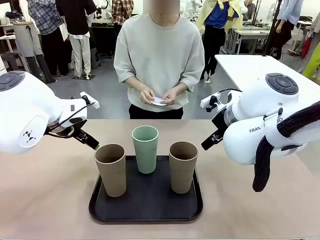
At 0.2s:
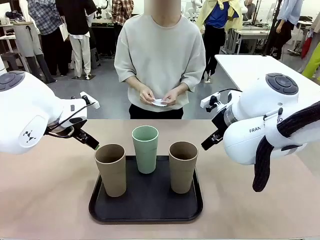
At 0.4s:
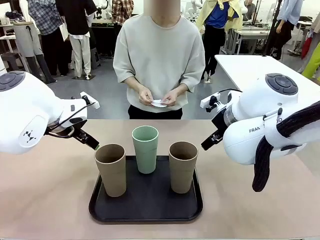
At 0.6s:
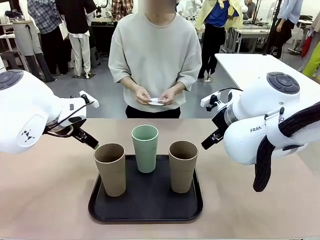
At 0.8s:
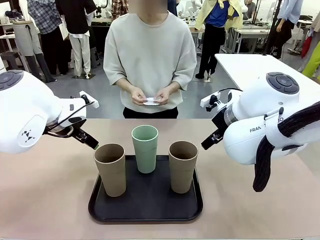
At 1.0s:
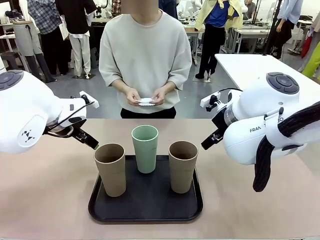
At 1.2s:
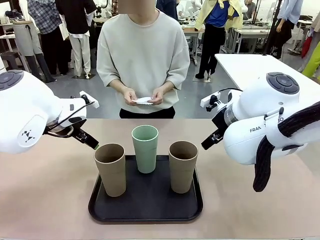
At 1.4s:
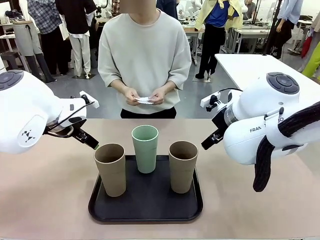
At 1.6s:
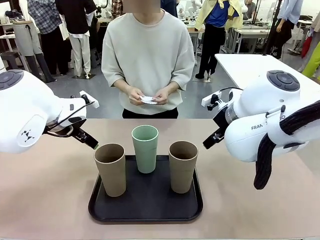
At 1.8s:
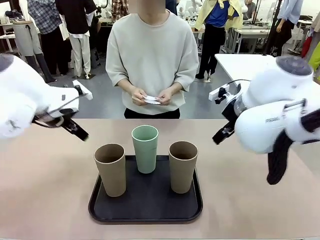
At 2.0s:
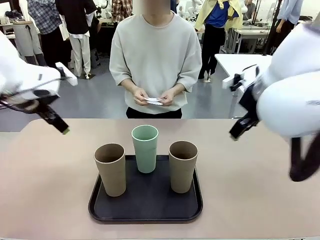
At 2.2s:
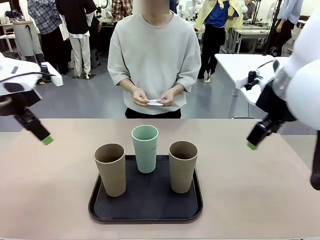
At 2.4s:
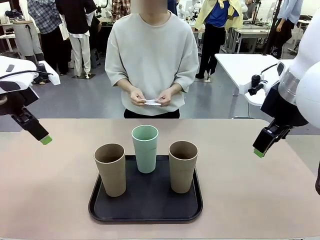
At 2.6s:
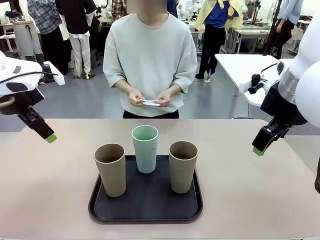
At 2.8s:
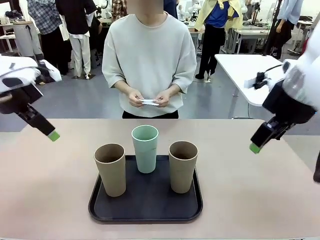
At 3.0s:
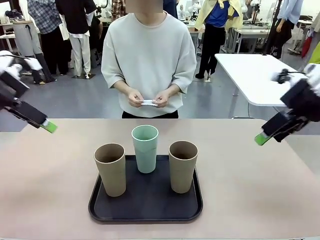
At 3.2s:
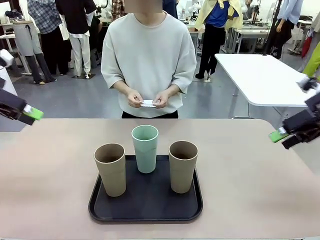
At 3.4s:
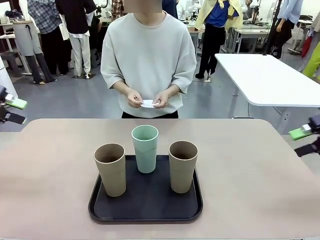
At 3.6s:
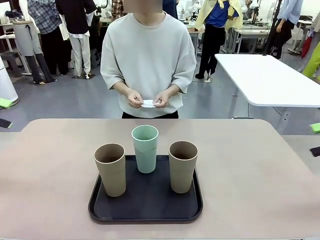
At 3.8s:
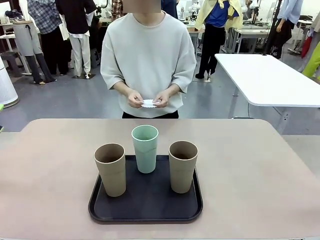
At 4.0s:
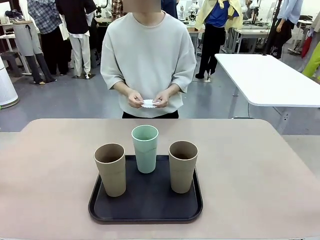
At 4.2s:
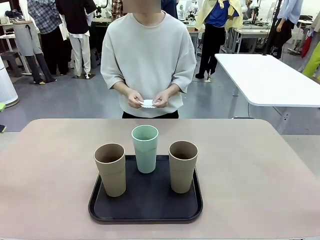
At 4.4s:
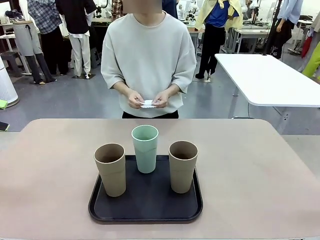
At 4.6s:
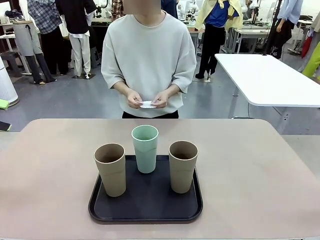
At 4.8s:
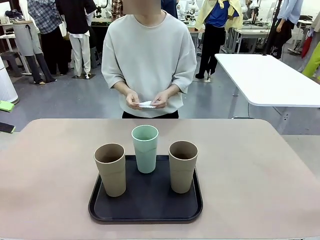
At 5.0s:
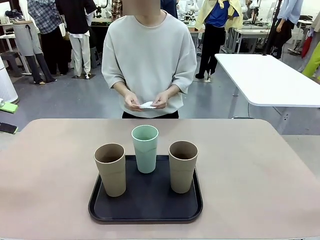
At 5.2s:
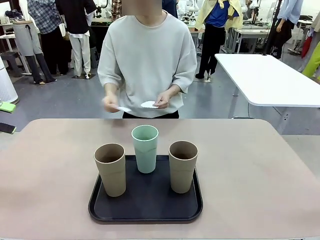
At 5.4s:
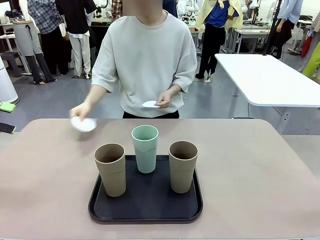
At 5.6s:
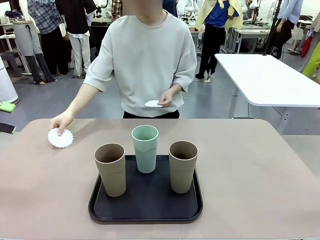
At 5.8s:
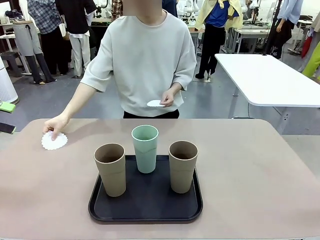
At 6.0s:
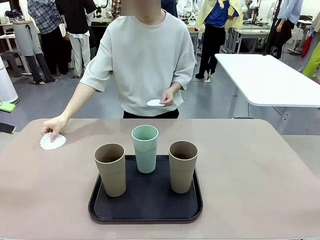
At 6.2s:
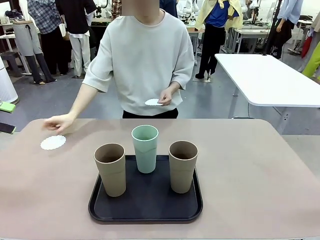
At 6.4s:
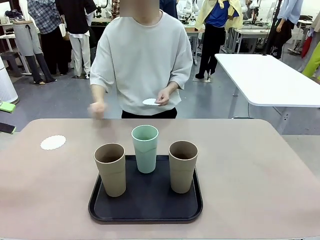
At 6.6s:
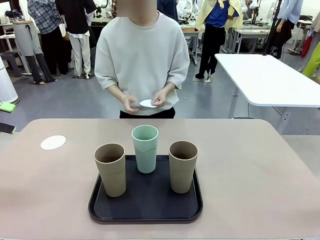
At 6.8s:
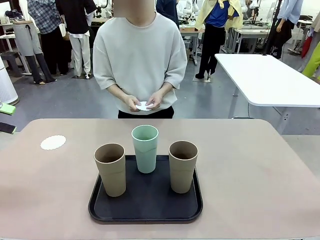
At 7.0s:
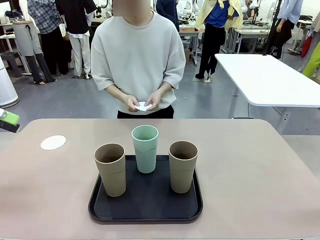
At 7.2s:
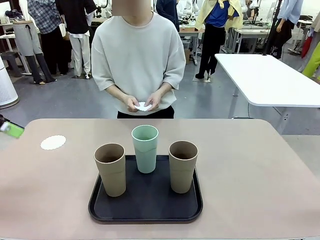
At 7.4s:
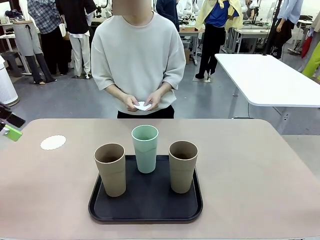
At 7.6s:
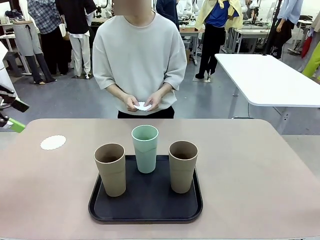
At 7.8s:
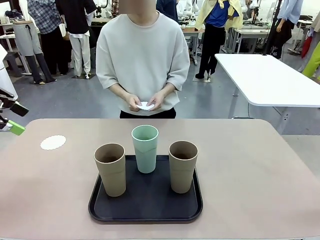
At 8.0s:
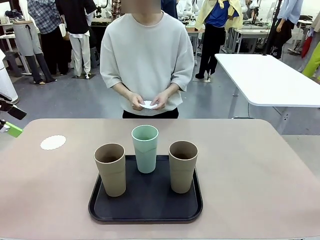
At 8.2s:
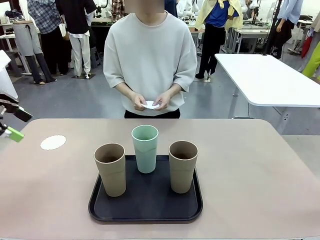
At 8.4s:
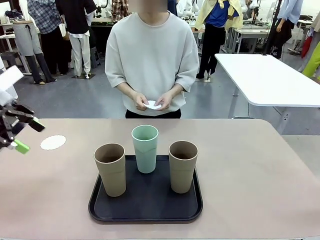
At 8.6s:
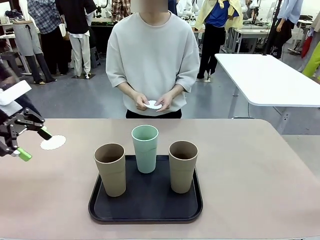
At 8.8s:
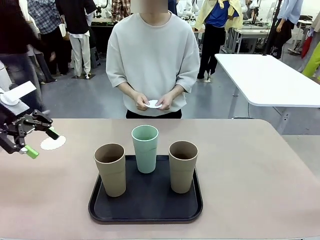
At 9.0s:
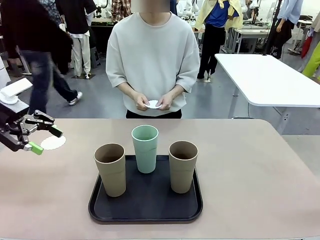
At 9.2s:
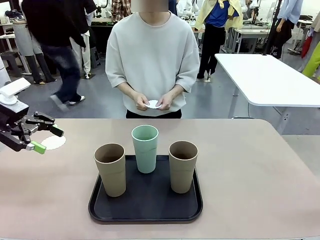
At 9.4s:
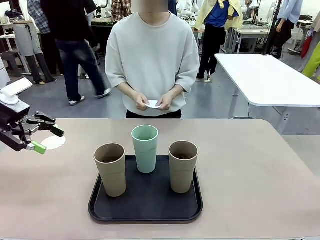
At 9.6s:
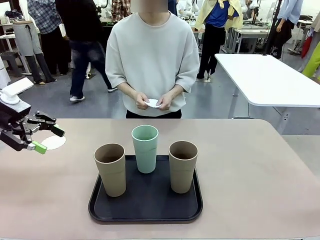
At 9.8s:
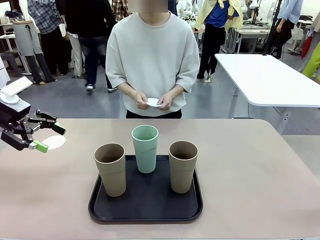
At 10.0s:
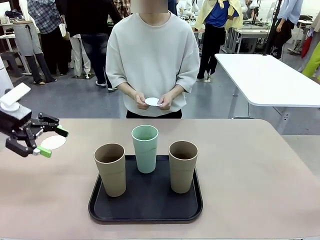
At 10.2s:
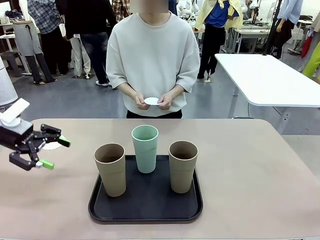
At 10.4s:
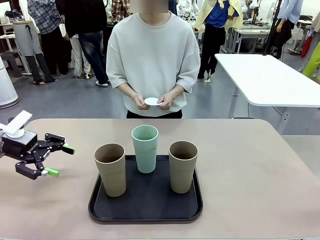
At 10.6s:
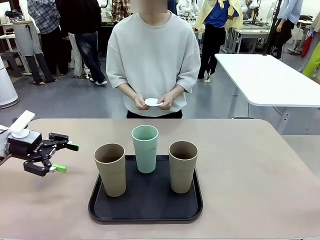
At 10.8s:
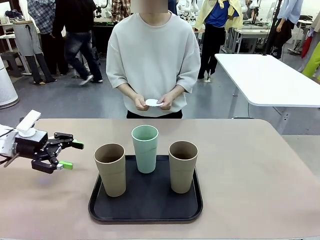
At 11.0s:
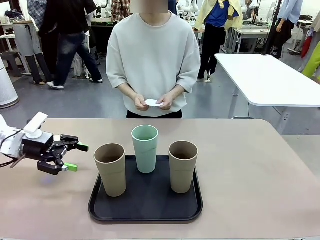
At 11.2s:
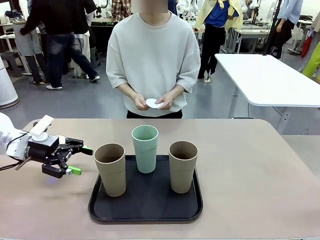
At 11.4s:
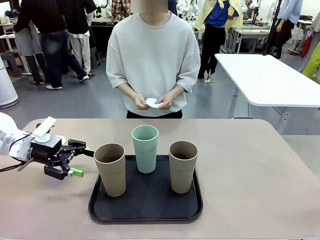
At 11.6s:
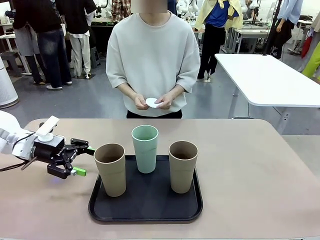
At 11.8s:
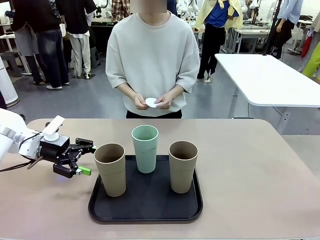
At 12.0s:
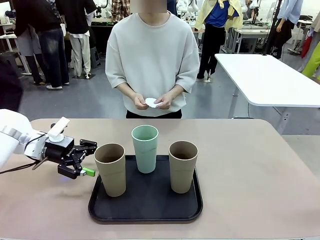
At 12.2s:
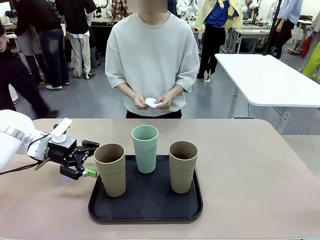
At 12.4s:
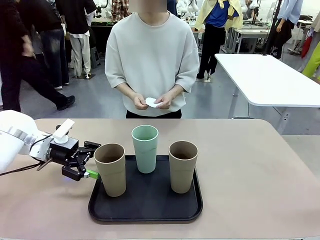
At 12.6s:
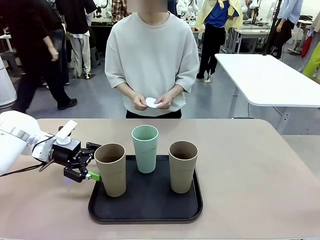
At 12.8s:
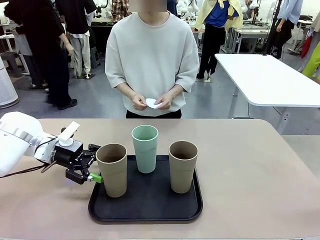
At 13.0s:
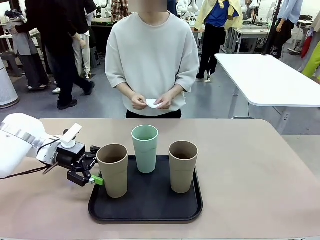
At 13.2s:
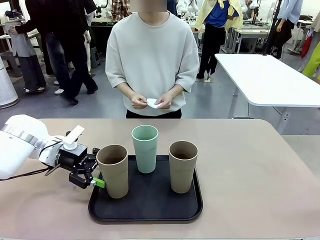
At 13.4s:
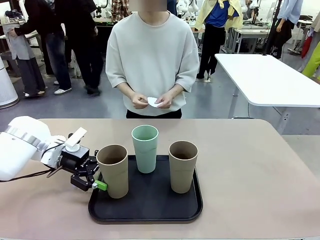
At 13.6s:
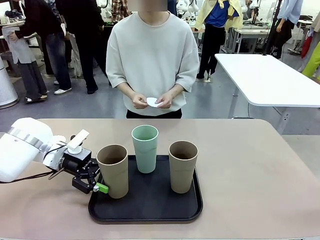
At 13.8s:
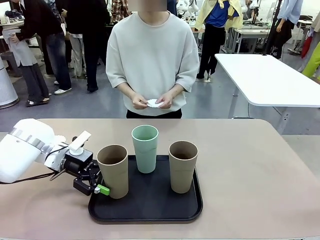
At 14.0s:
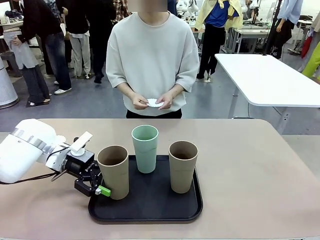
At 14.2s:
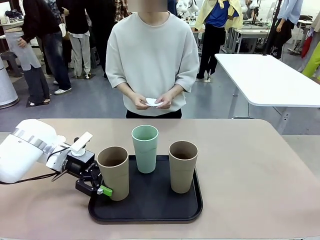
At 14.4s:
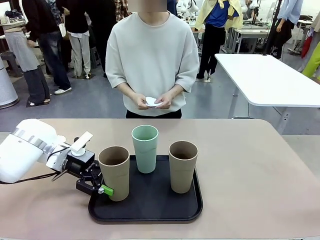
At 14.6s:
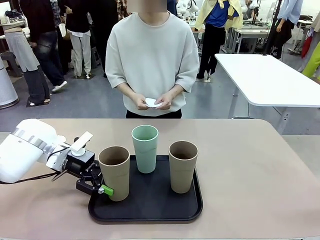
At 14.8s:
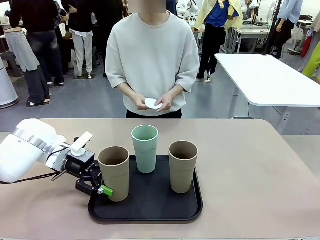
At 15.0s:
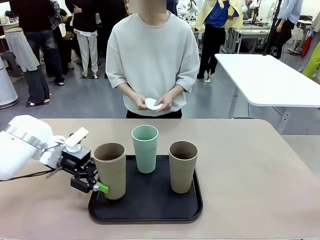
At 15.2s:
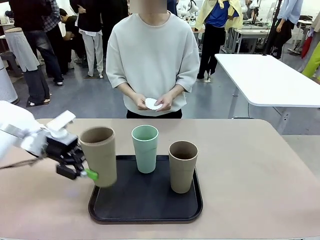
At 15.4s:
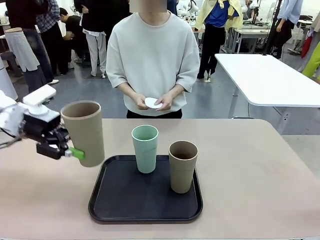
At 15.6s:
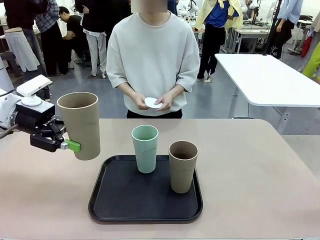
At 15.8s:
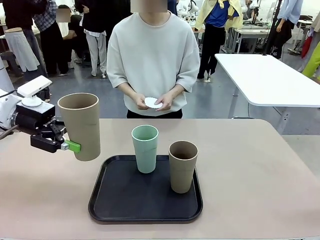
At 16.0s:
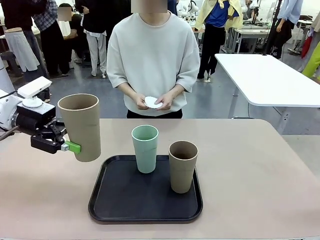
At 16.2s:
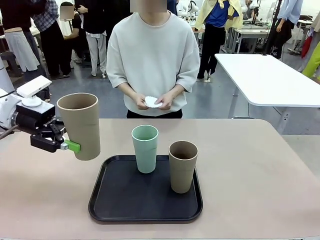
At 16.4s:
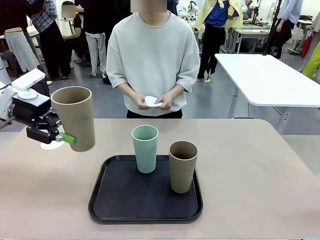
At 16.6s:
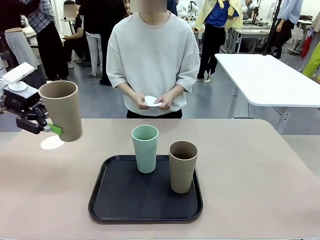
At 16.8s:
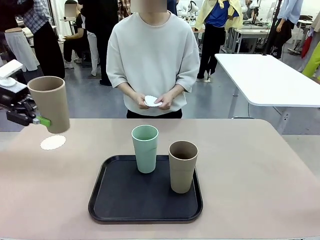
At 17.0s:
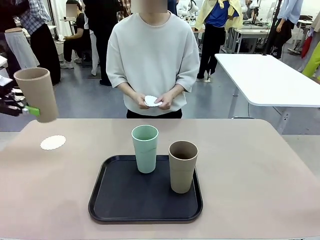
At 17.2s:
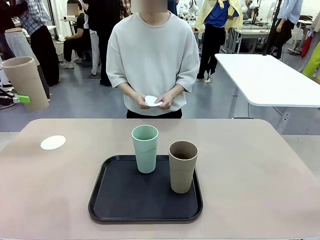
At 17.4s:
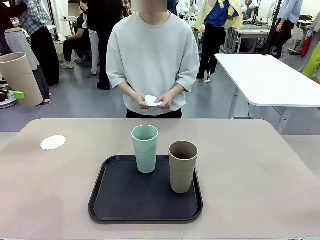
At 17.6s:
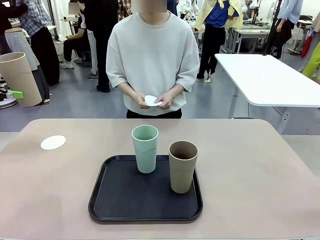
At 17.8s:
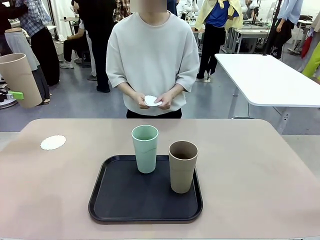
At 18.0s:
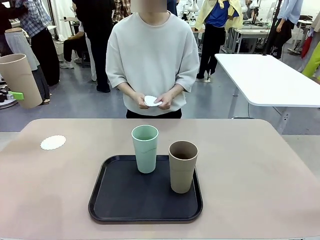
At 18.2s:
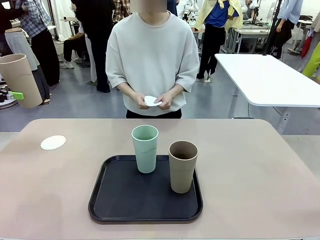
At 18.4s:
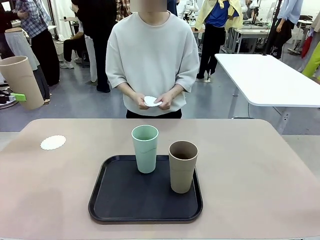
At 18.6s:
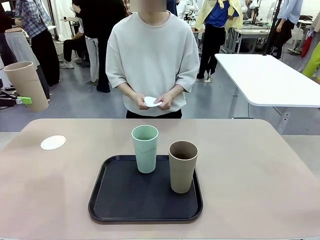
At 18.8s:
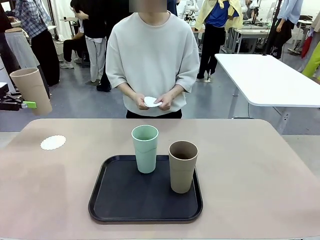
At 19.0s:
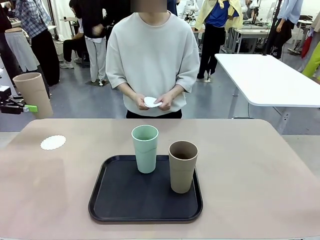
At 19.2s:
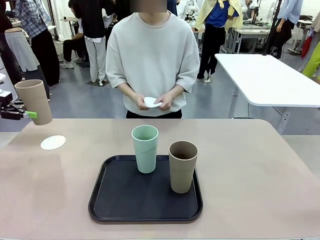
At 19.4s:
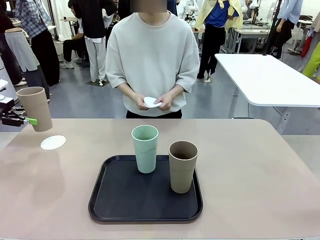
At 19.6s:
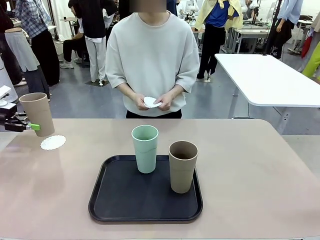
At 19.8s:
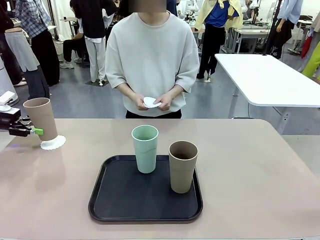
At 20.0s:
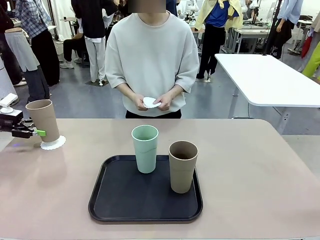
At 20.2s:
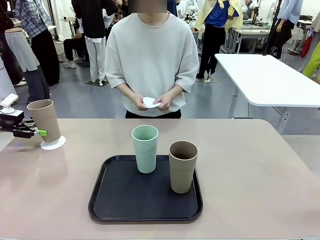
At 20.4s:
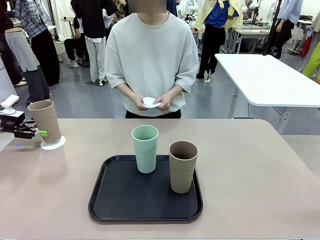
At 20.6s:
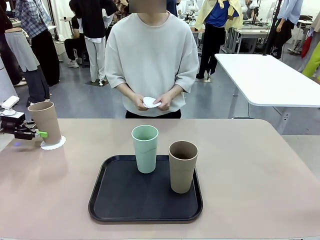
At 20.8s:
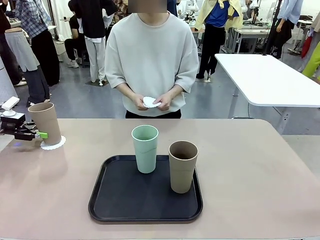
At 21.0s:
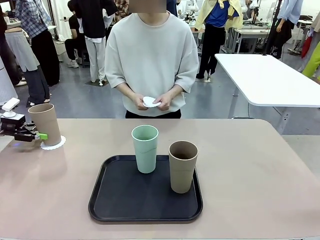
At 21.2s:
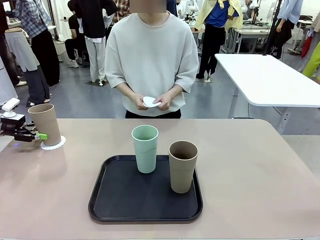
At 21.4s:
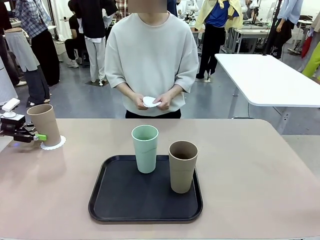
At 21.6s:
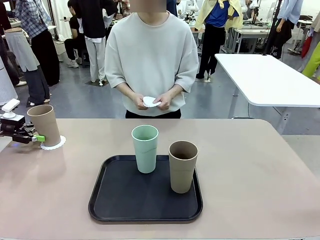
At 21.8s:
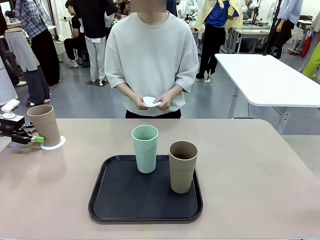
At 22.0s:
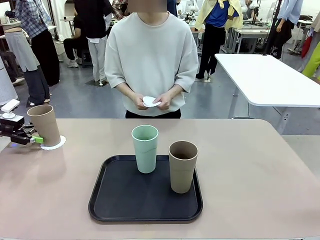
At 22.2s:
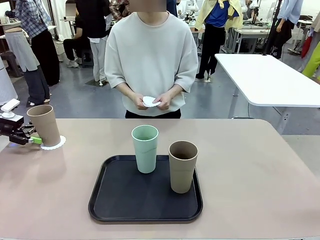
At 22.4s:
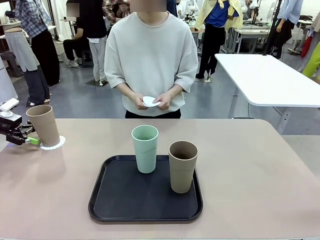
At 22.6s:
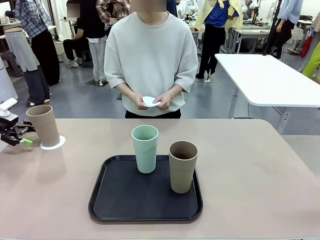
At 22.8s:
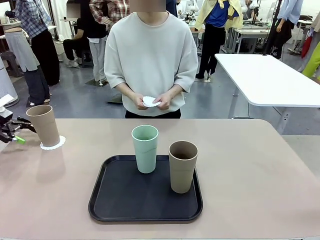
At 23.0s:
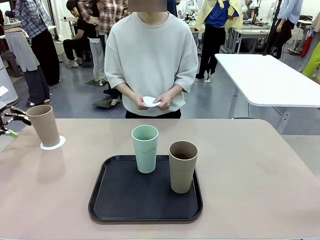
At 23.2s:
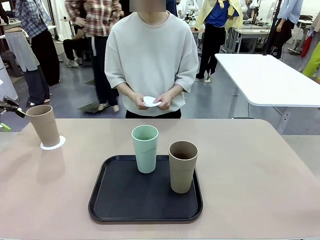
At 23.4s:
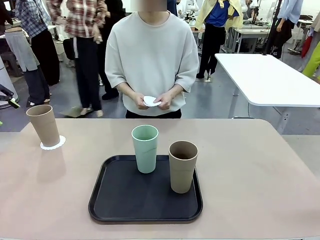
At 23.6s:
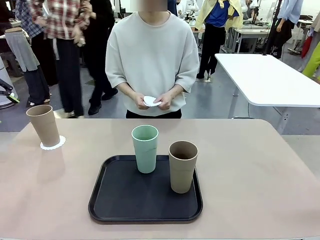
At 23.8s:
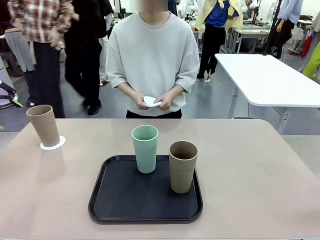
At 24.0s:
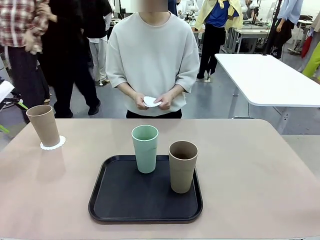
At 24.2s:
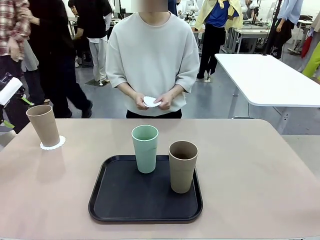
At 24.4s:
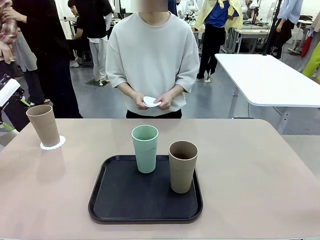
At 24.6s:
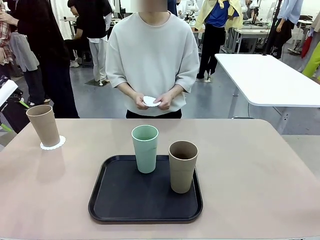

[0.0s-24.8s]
Task: Place coasters on the table and set cups on them.
Robot: Pick up one Reusable plastic cup and place it on a coaster set by the human.
Person: Place one coaster in any one of the three lower areas of the robot table (left, center, or right). Place one coaster in one of the two areas excluding the previously selected area.
